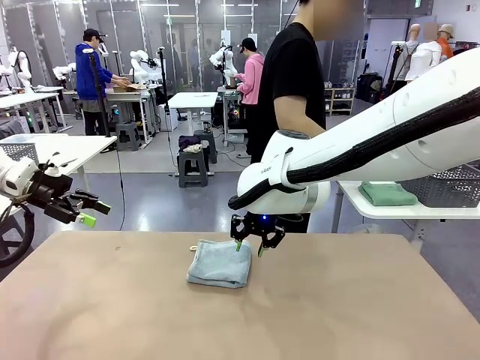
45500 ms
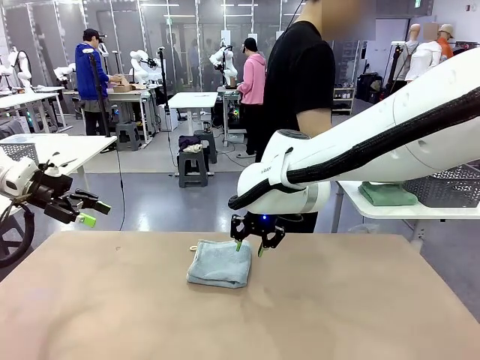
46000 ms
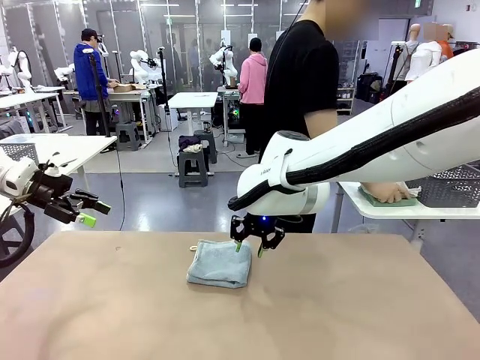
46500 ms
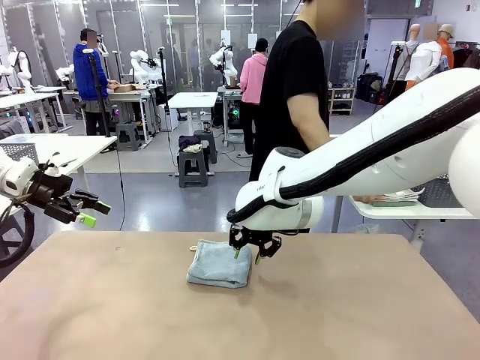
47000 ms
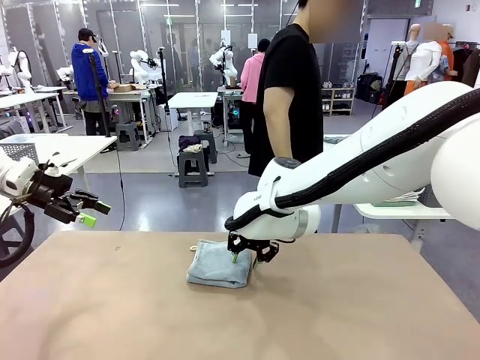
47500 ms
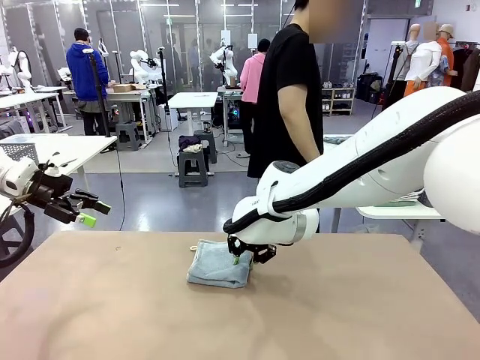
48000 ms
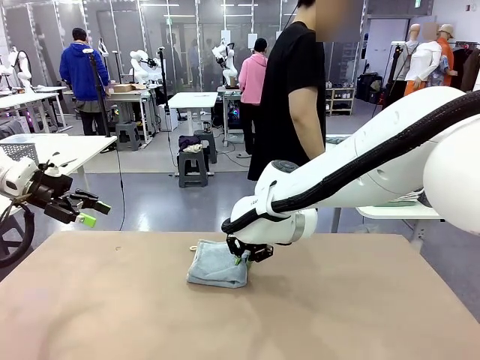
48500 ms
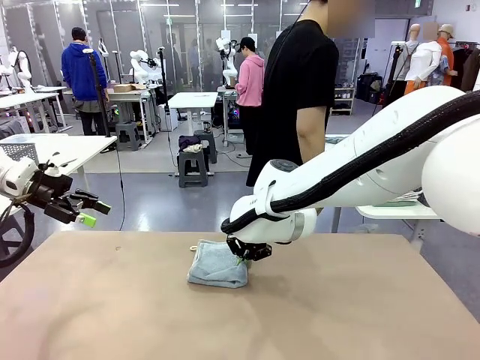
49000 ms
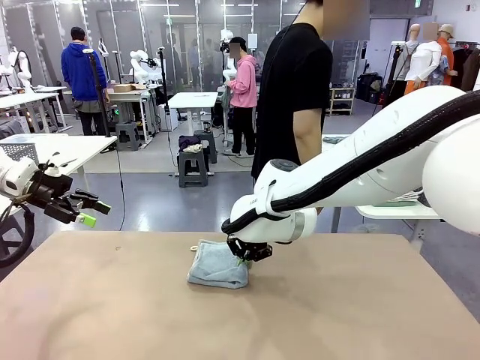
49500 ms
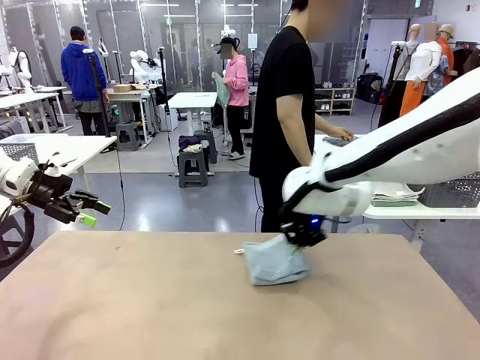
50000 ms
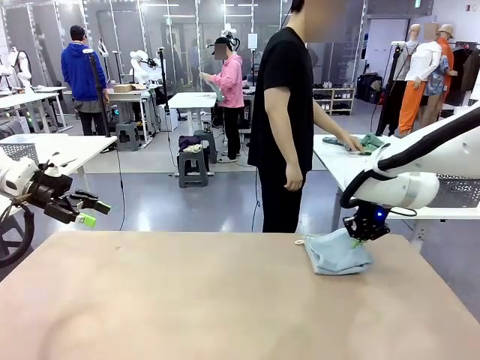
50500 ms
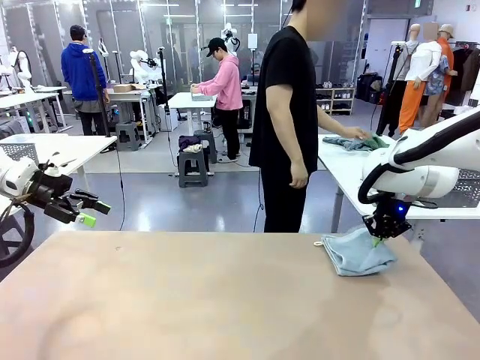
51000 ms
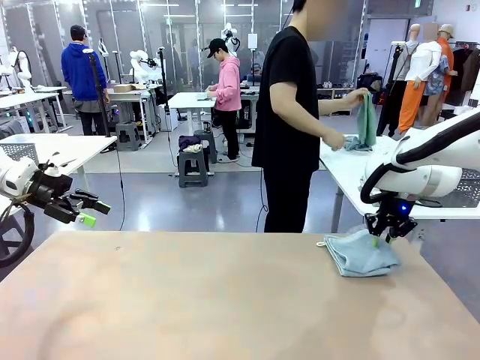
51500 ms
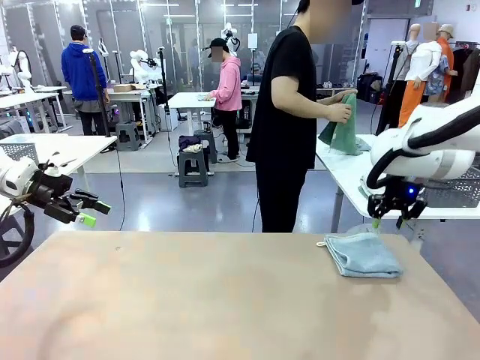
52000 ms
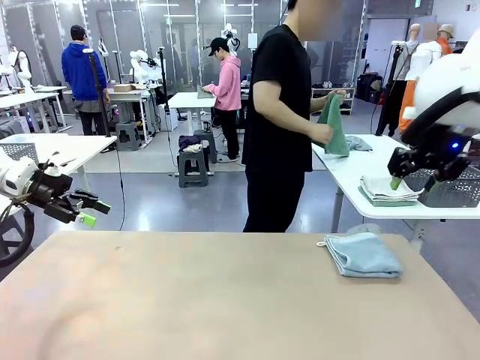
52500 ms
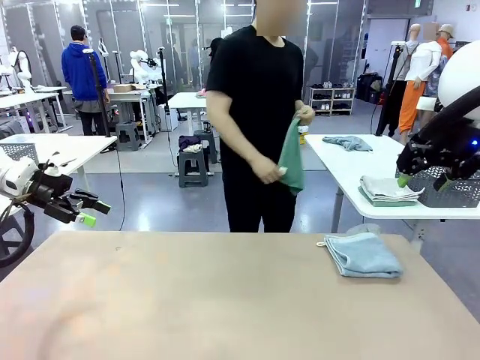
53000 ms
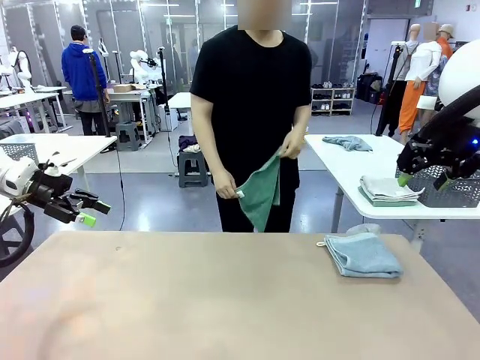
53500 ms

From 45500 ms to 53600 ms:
Task: Fold the towels and place them in the basket.
Robot: Place the folded Towel with hook on the right side of the table.
Person: Pick up one towel from the left side of the human table and spread it out at the center of the robot table.

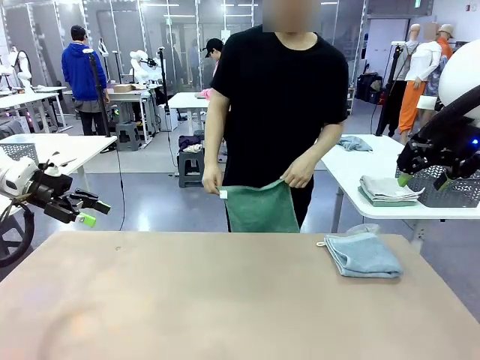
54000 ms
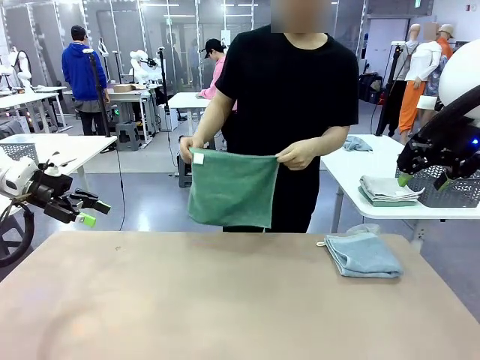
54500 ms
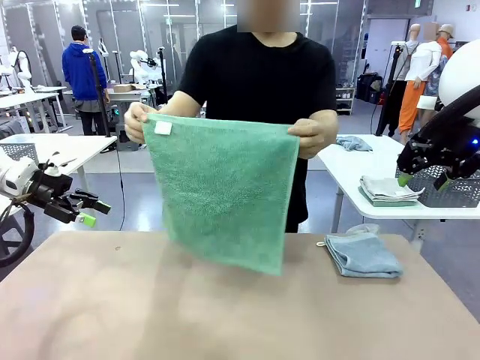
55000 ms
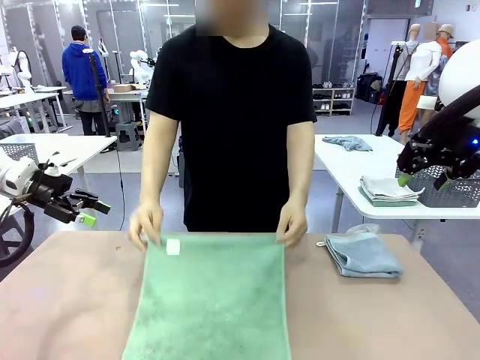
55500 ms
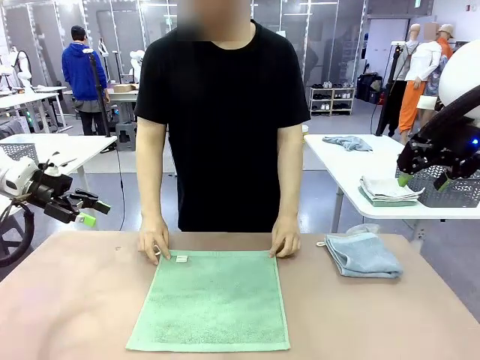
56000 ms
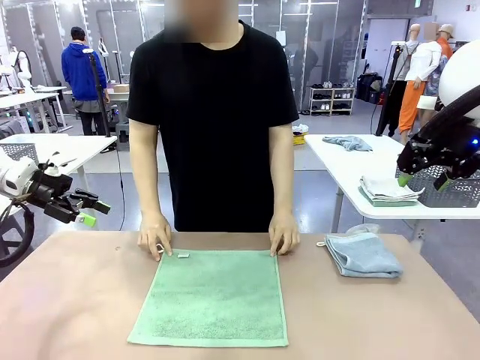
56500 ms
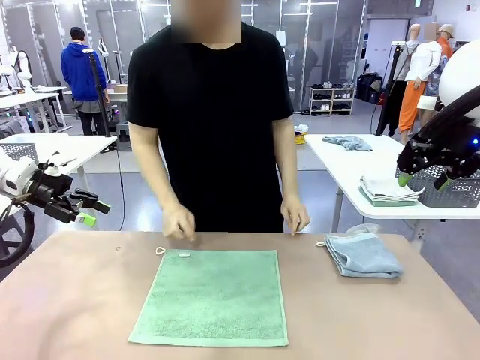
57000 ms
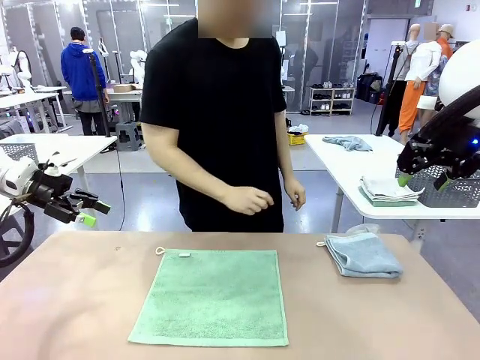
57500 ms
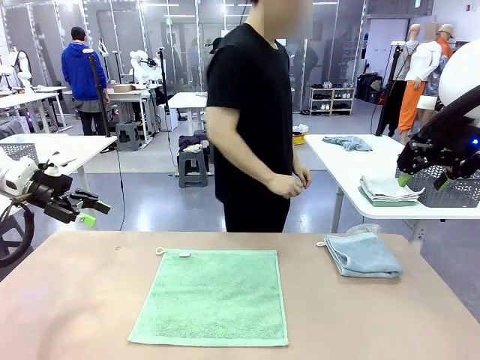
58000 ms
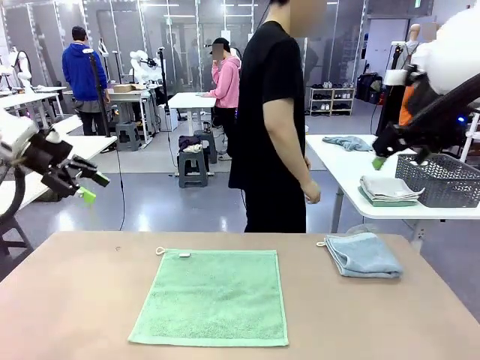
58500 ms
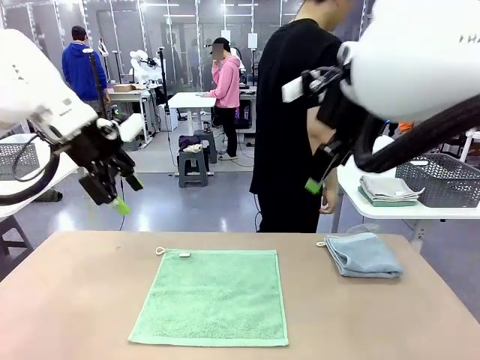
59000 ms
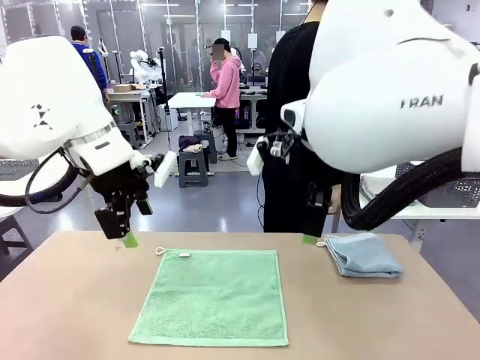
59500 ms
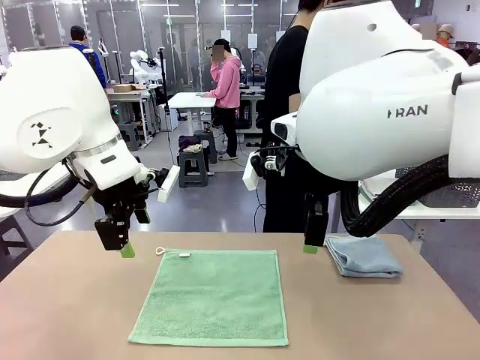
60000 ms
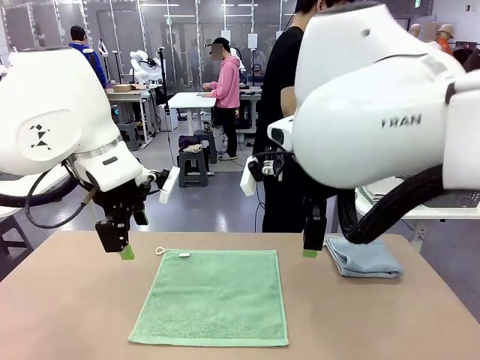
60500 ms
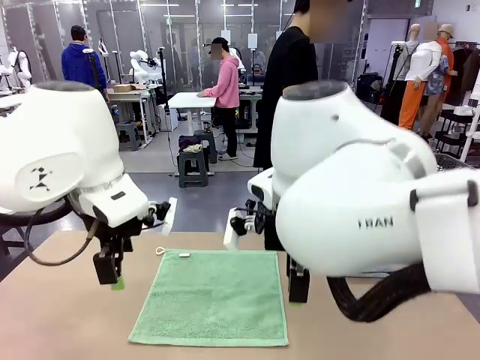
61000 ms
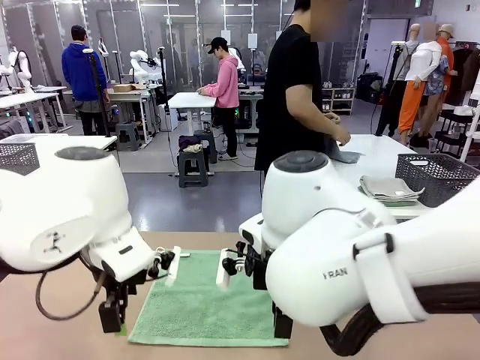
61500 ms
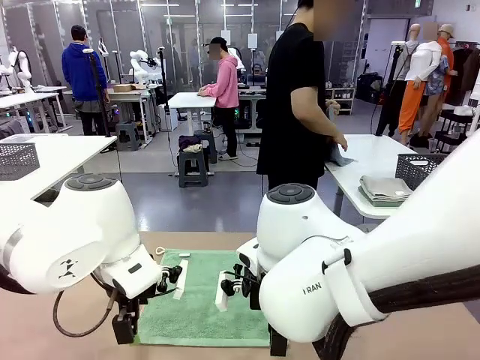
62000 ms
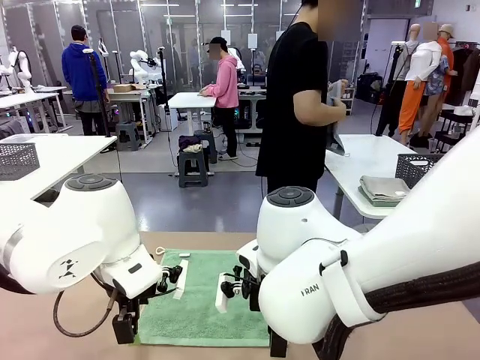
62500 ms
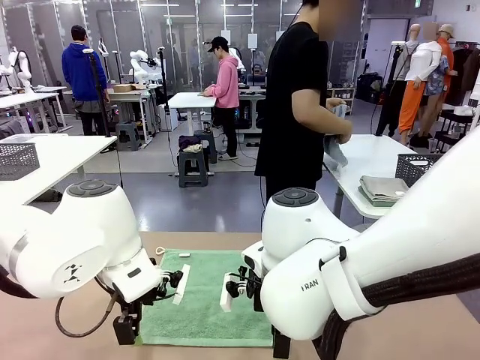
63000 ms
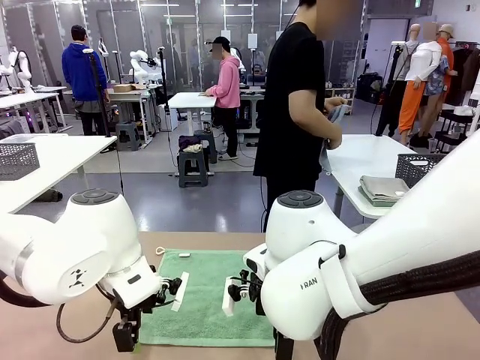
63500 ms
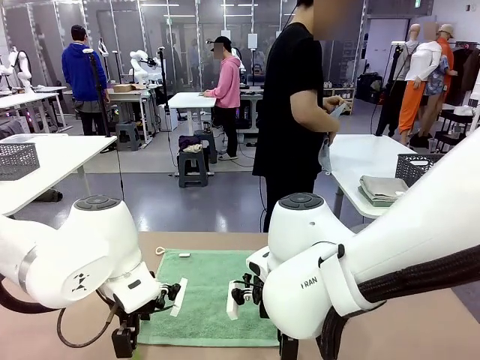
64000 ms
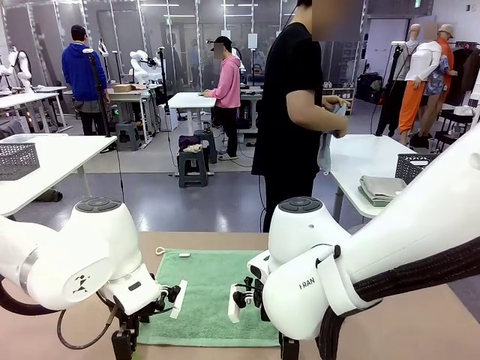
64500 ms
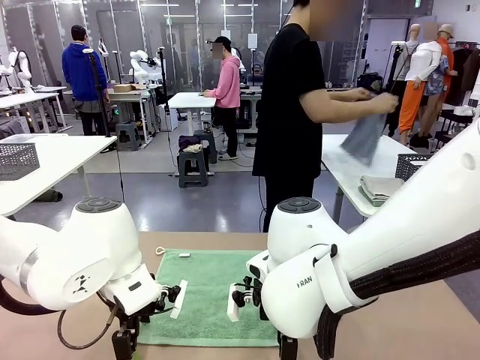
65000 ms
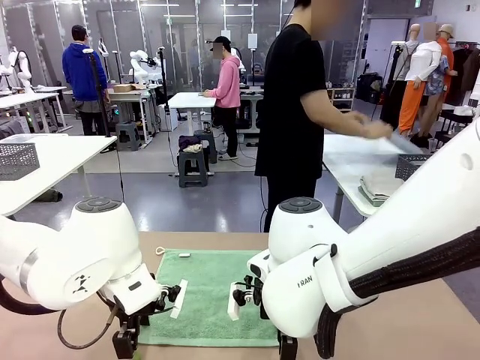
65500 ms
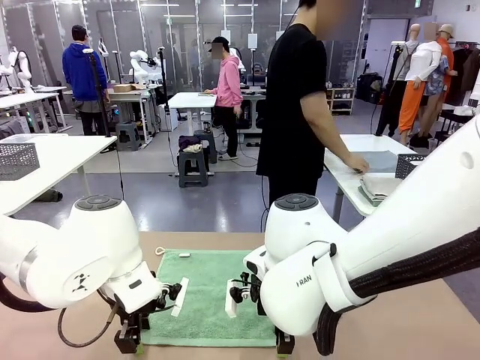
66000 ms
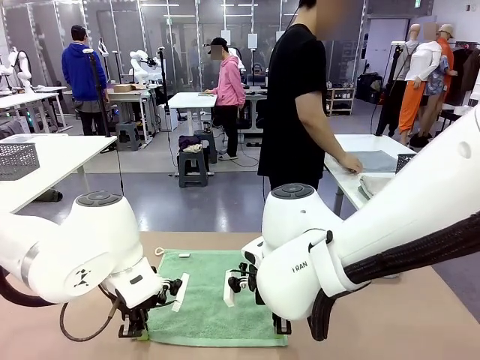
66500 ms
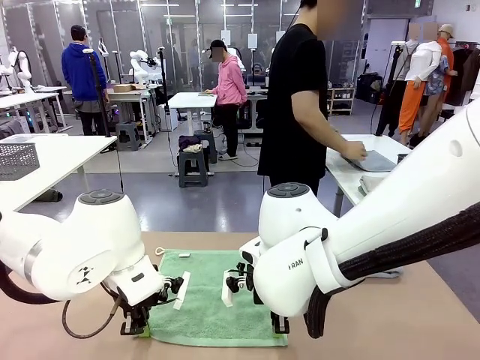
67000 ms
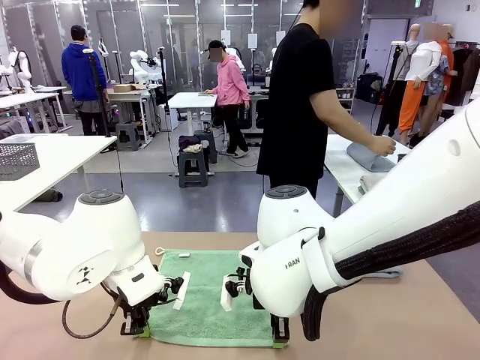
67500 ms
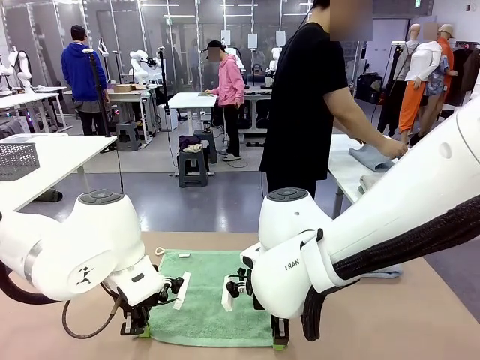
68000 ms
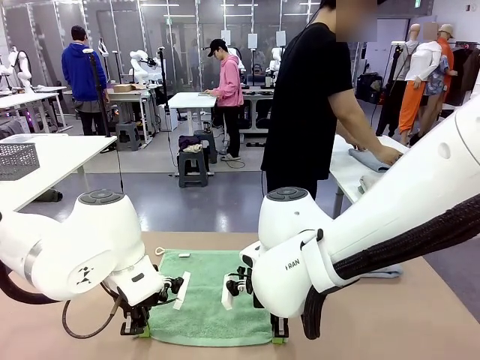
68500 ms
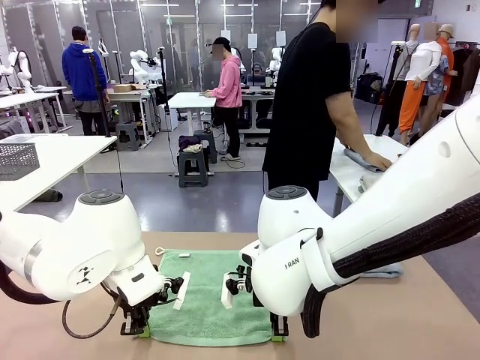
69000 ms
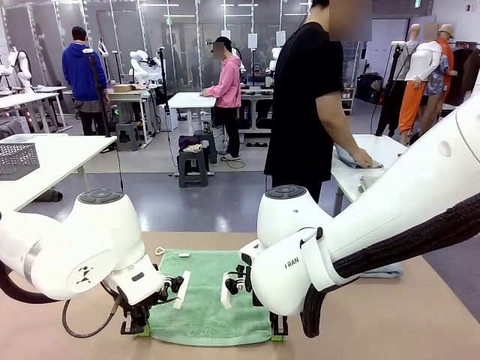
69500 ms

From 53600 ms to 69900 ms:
Robot: When a person lays out a Towel with hook on the table, fold it in half twice.
Person: Pick up one towel from the left side of the human table, fold it in half twice, and stack it on the right side of the table.
